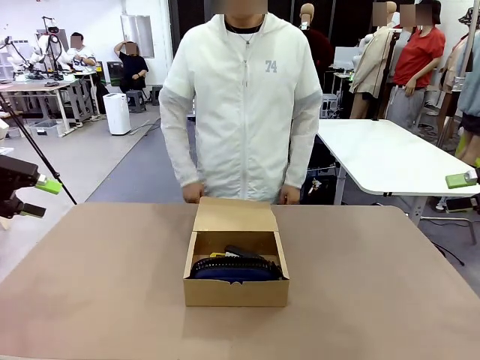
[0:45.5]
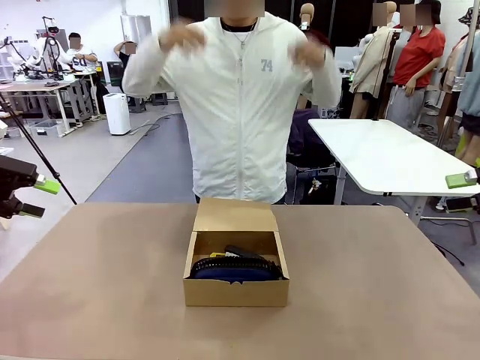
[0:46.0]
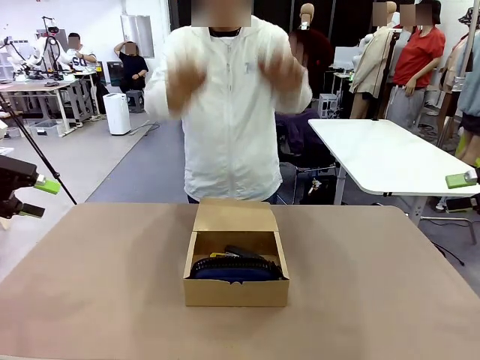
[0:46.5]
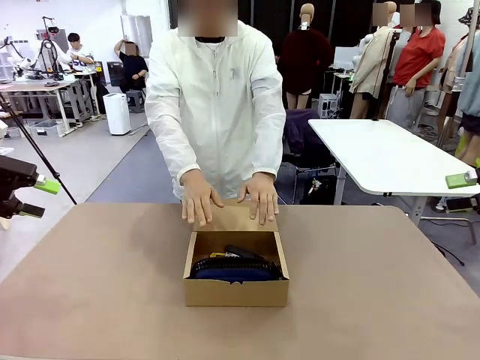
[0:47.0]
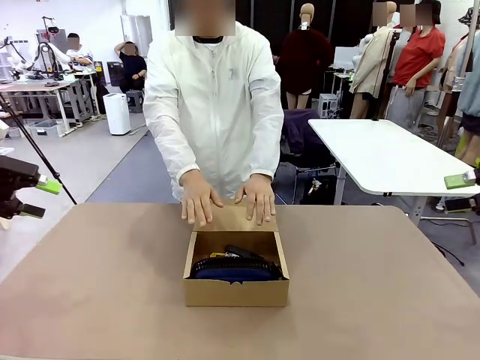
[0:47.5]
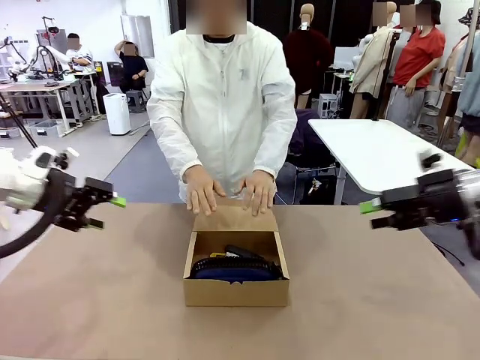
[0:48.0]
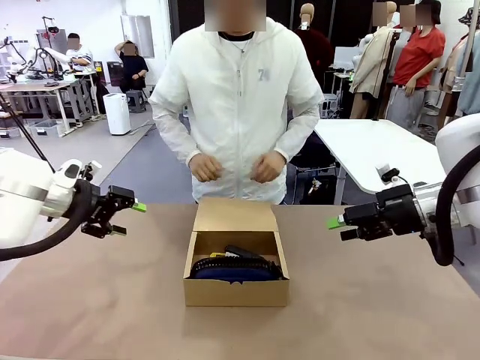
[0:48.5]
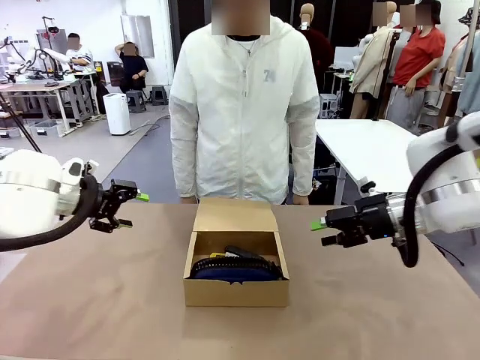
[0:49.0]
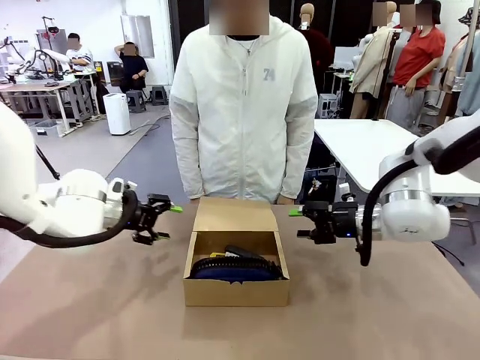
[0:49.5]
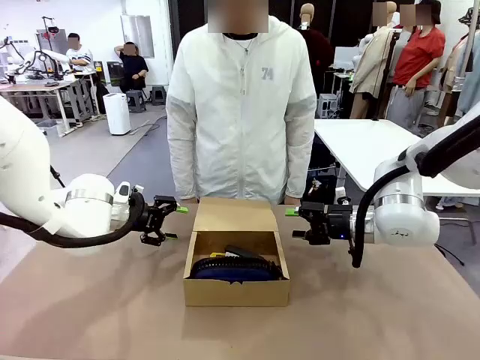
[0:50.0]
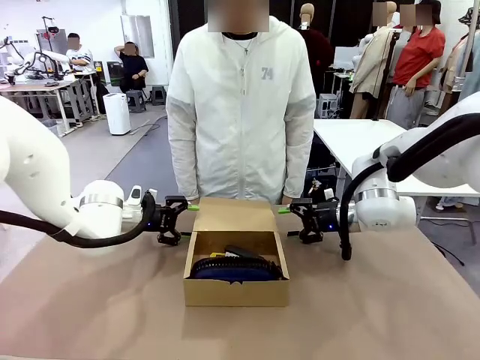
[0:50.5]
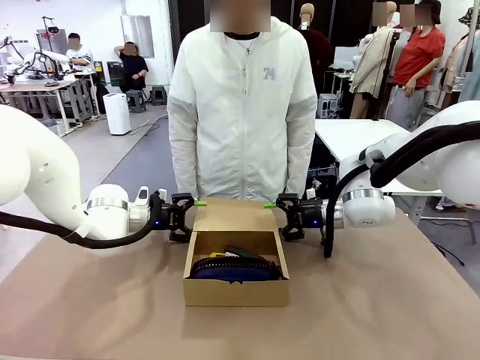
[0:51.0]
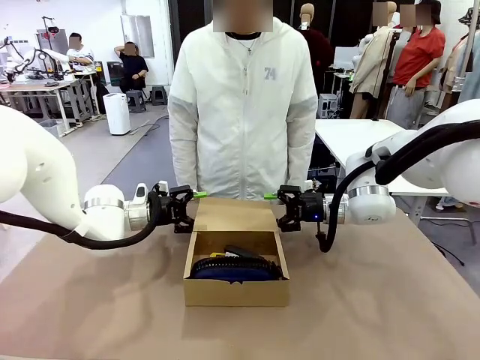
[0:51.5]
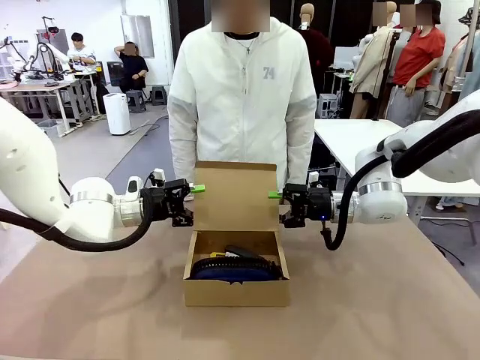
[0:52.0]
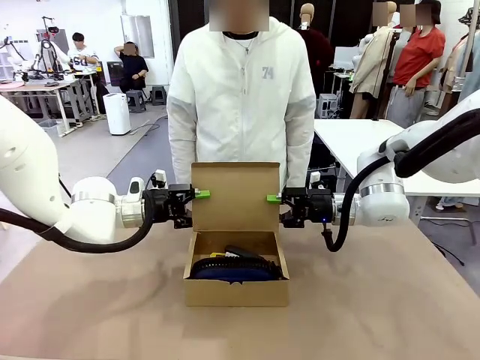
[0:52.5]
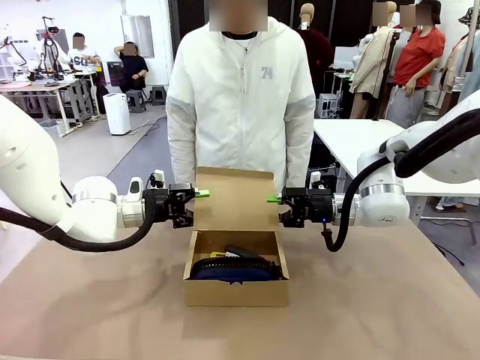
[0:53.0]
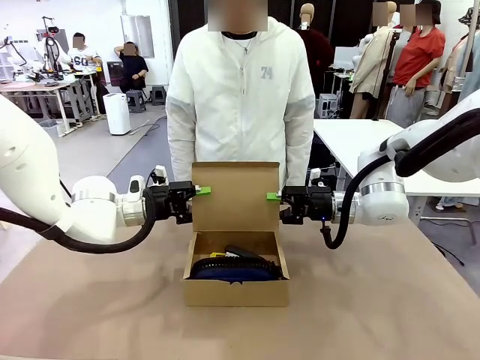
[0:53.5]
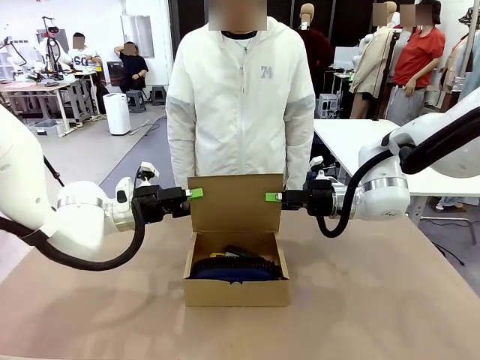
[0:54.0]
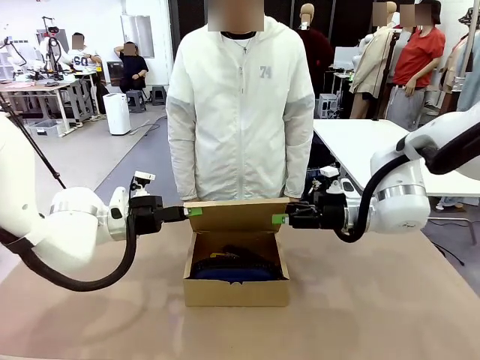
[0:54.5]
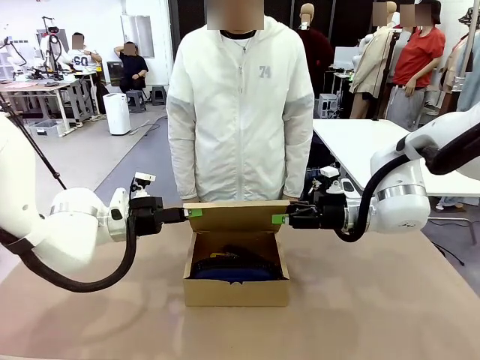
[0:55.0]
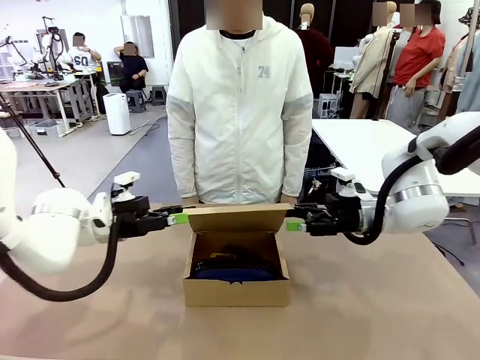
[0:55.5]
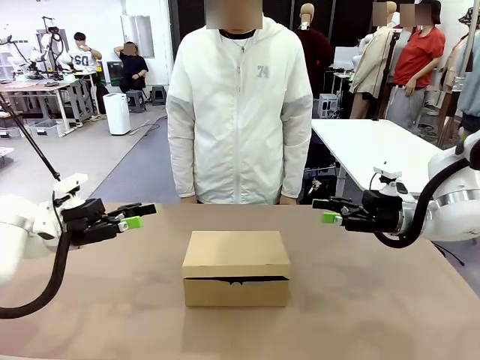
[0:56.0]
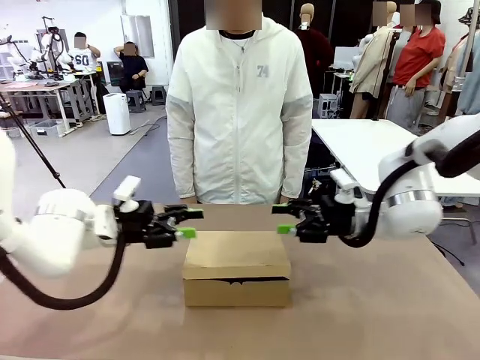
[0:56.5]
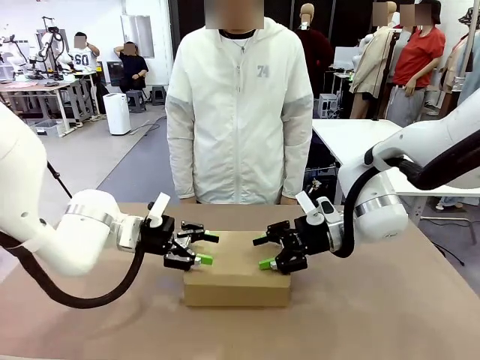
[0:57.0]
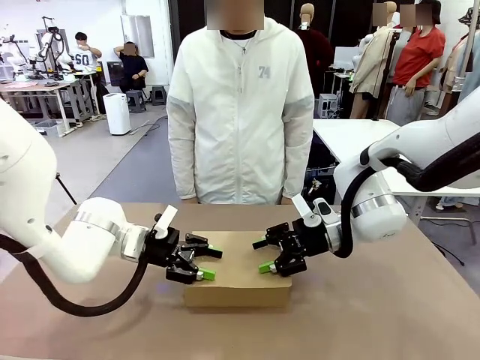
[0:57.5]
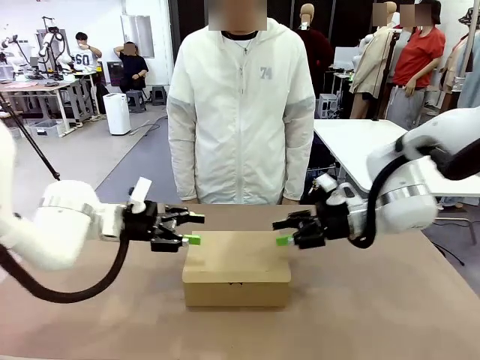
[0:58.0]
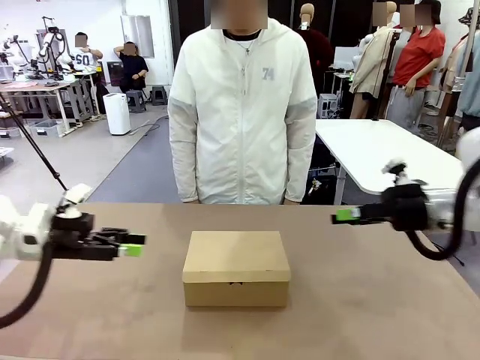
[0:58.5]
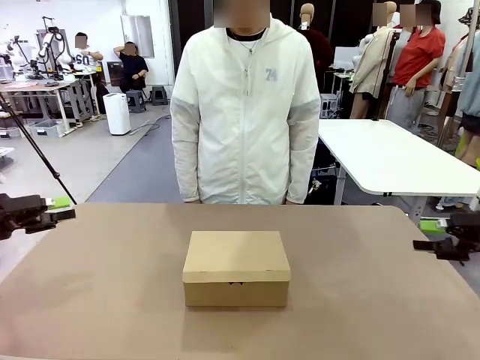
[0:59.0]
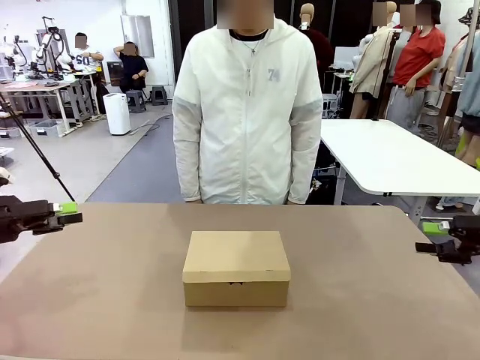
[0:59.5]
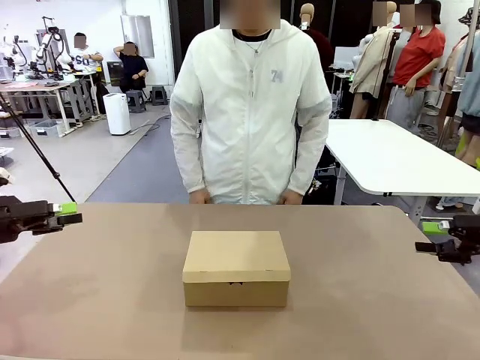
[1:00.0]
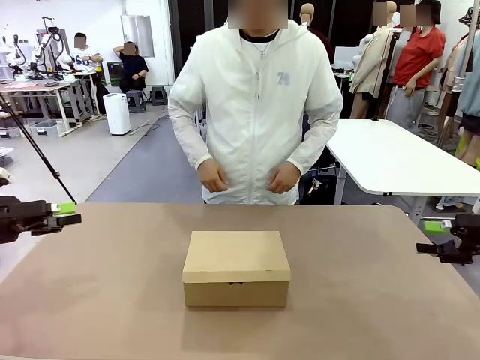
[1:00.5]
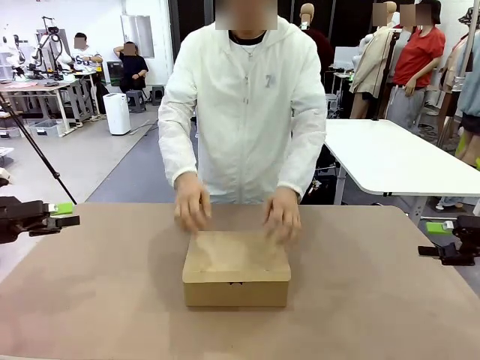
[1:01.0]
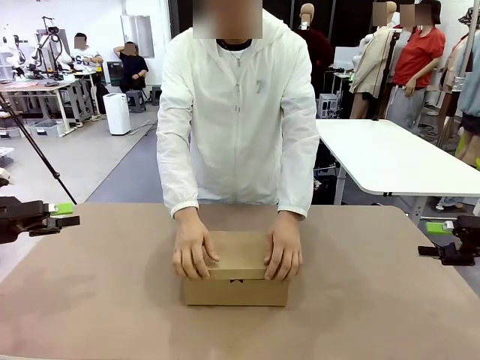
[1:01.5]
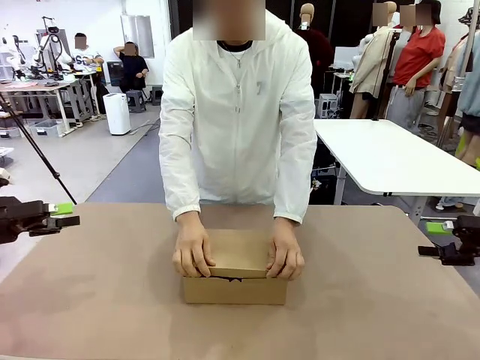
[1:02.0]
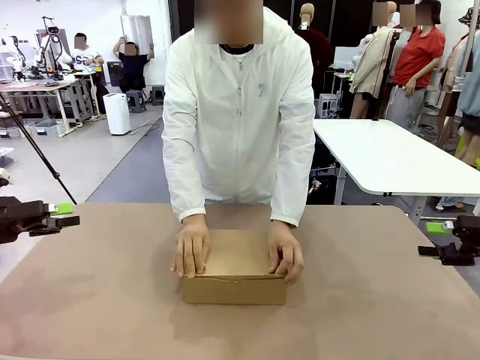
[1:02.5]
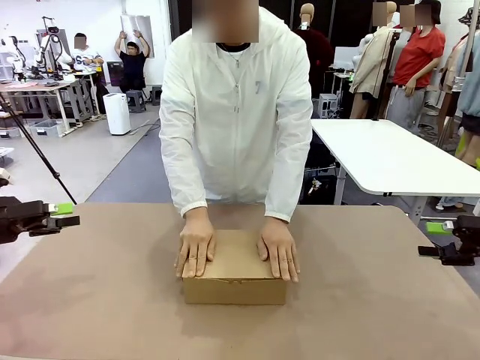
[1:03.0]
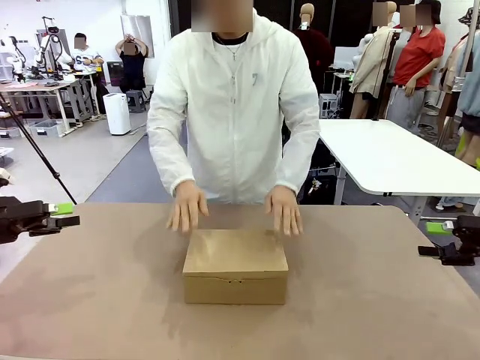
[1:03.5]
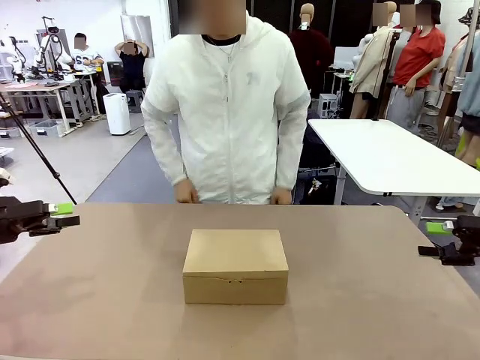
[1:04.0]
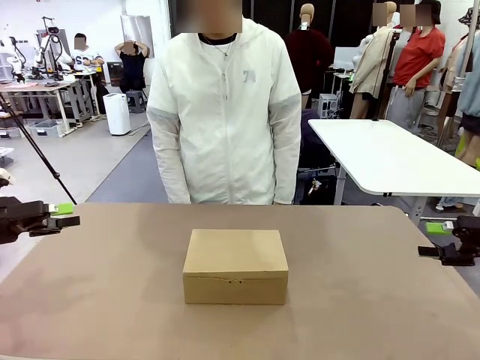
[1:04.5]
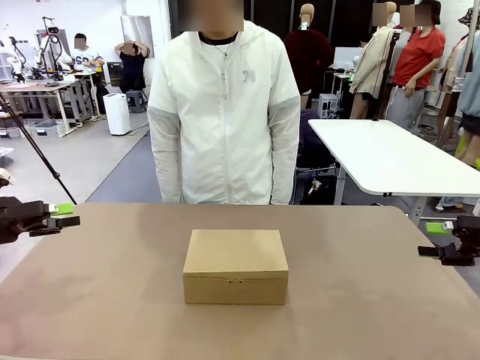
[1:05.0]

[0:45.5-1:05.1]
Task: Pack the items into the box.
Robot: Close the Mailer Box.
Person: Turn the box and lock it.

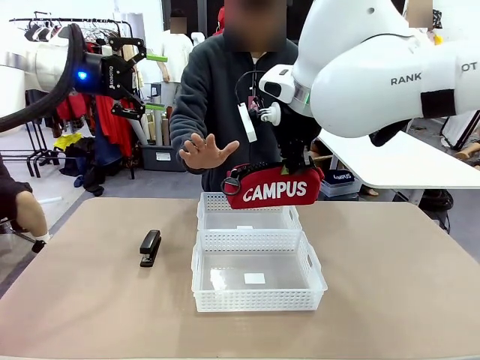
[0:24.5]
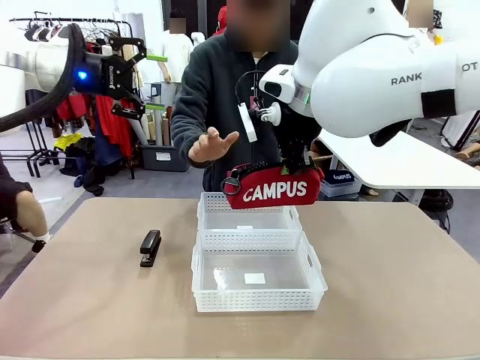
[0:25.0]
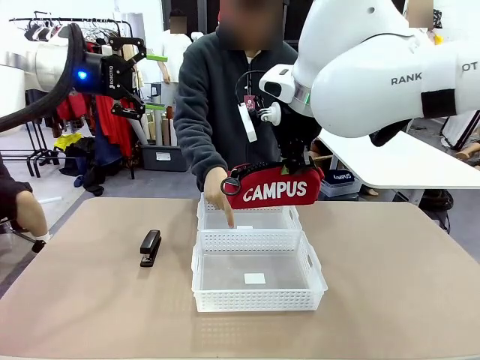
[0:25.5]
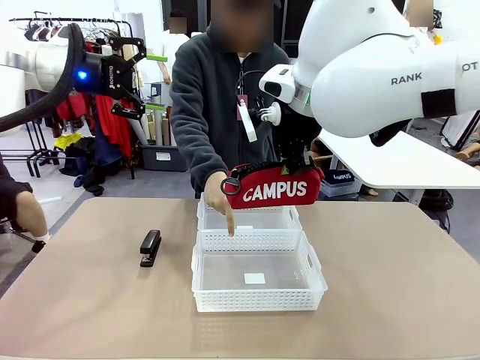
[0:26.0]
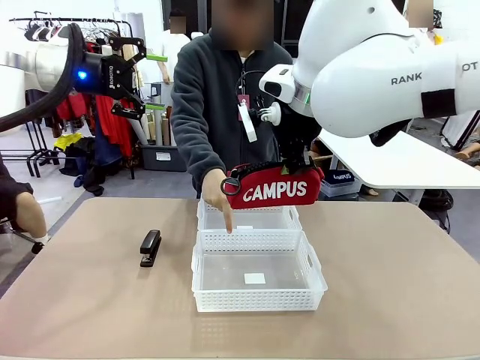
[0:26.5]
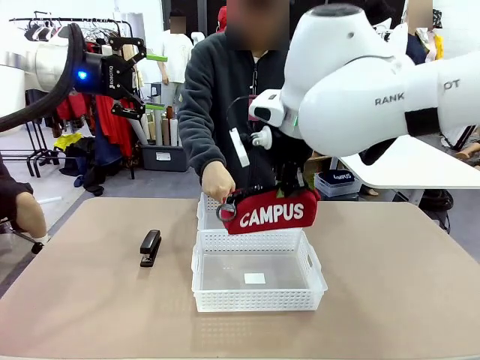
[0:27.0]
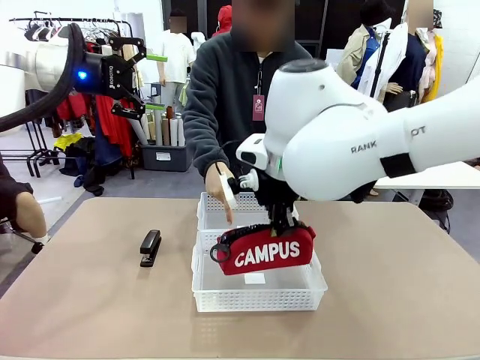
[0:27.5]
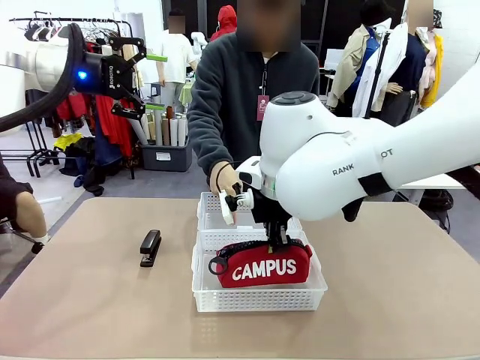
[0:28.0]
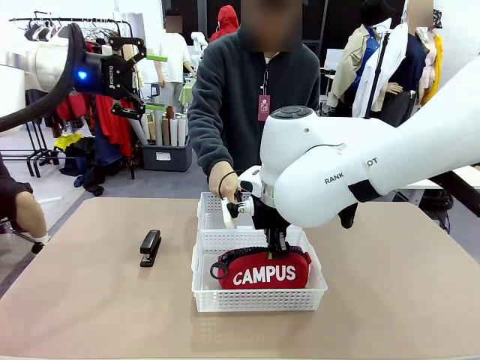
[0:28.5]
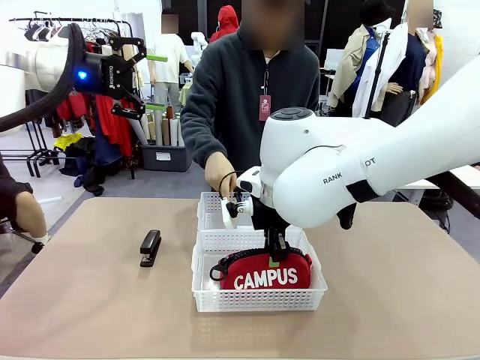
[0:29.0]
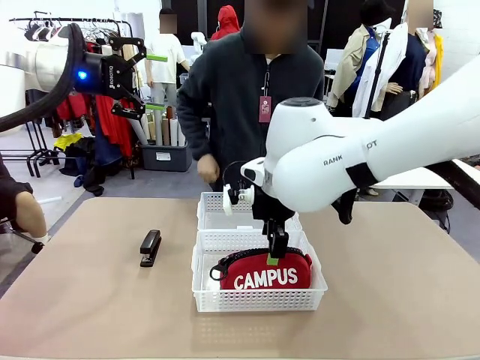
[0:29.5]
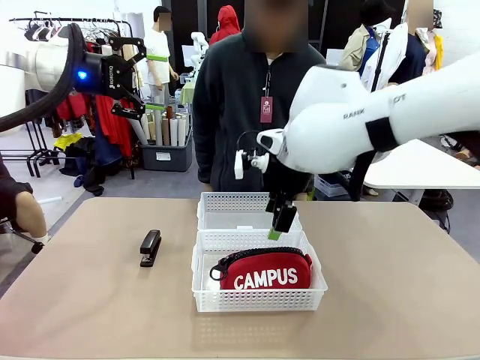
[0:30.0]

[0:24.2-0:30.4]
Task: Distribute items into two baskets.
Robot: Place the picked Pencil pouch into the Organizing basket as instructed by the person.
Person: Instructs the robot to place the pencil case into the opposite basket.
